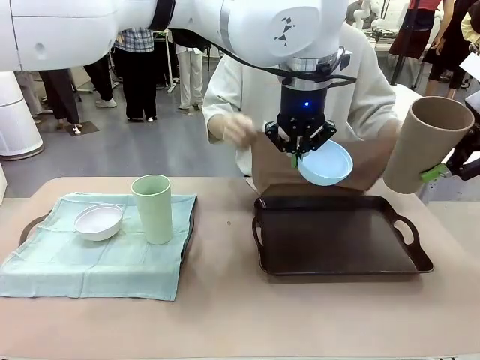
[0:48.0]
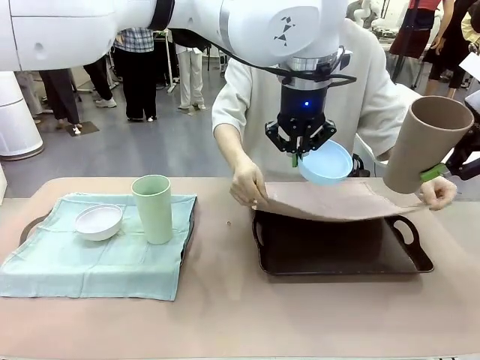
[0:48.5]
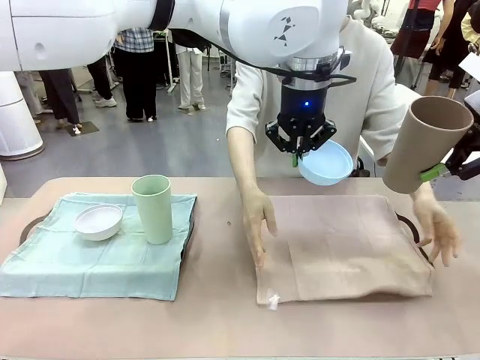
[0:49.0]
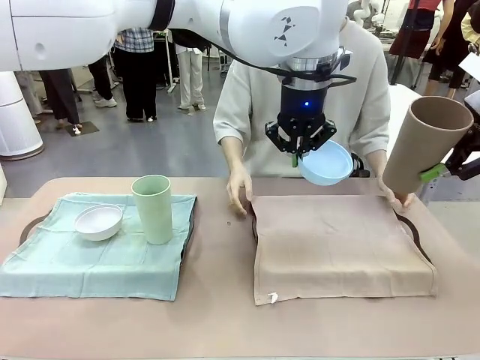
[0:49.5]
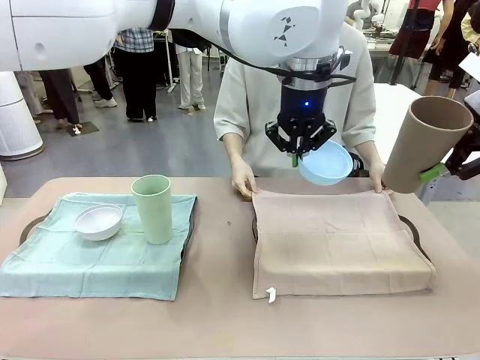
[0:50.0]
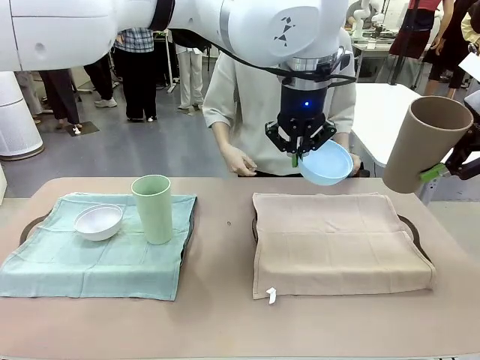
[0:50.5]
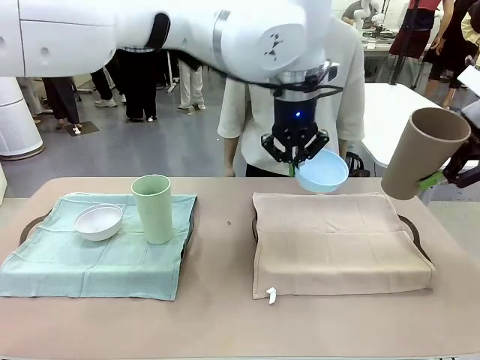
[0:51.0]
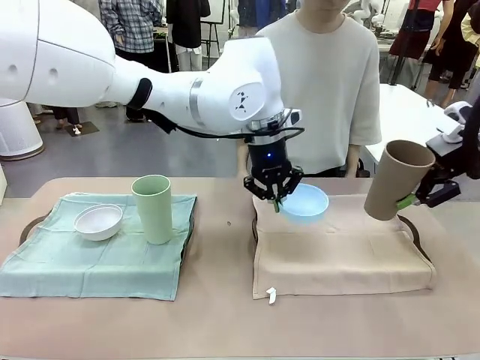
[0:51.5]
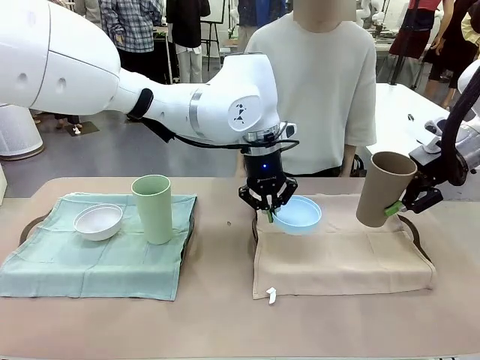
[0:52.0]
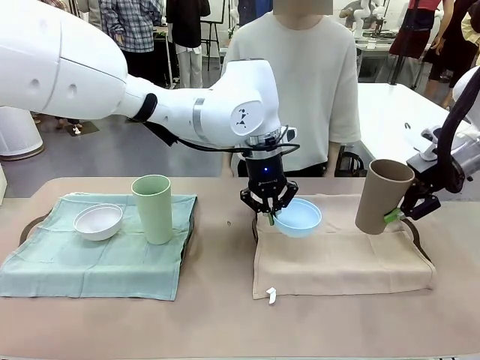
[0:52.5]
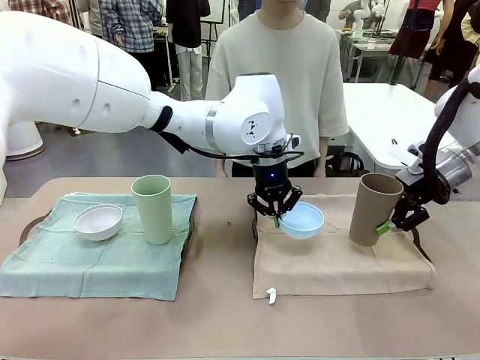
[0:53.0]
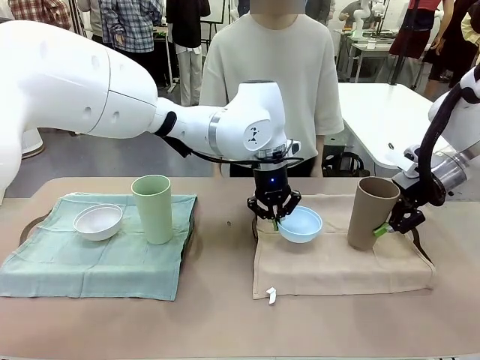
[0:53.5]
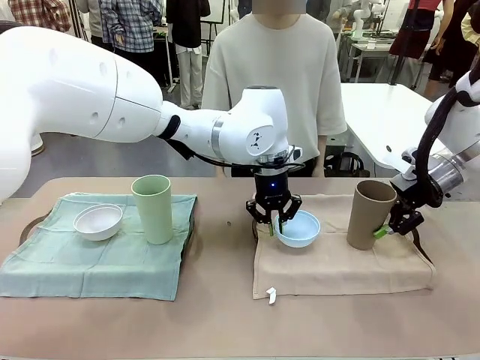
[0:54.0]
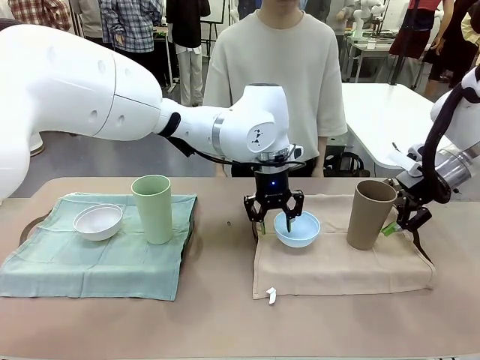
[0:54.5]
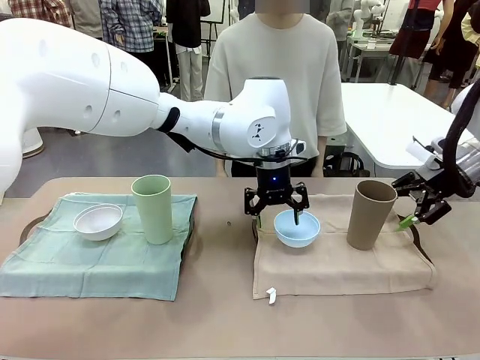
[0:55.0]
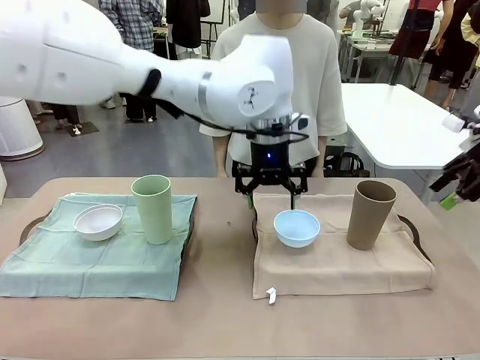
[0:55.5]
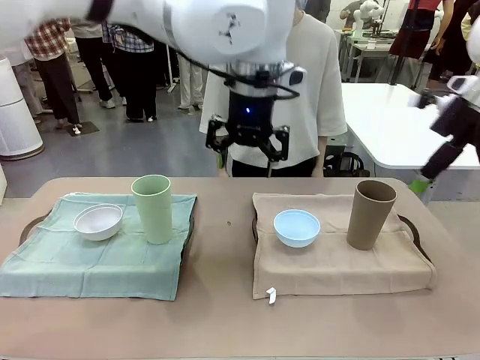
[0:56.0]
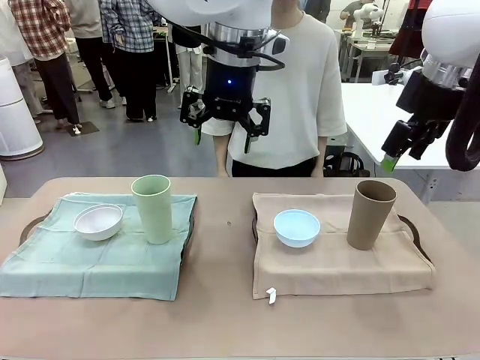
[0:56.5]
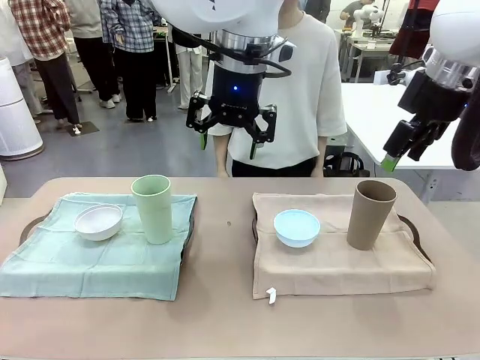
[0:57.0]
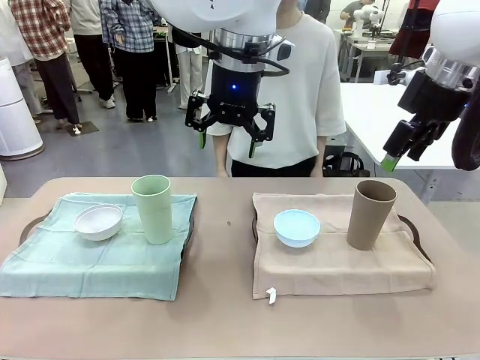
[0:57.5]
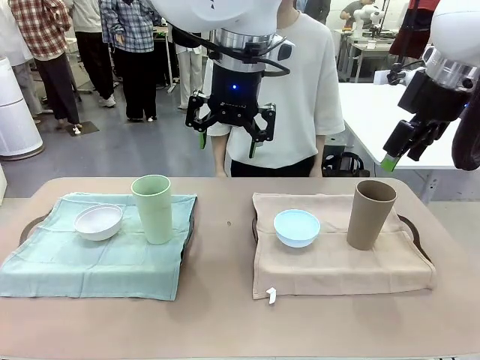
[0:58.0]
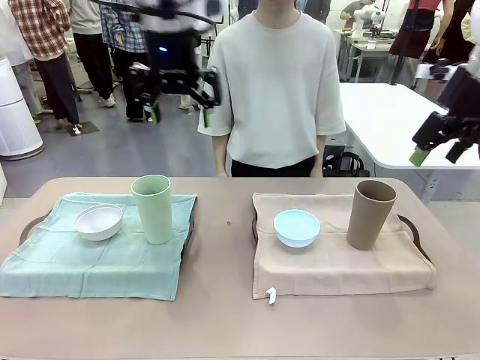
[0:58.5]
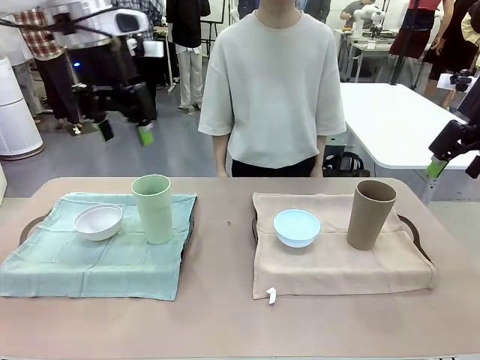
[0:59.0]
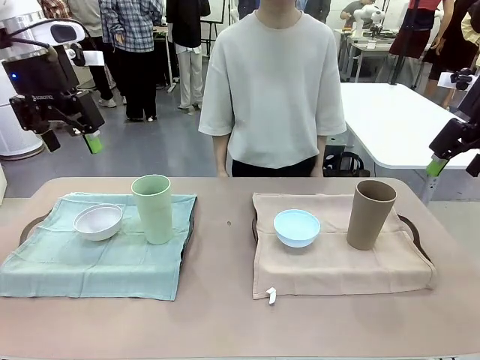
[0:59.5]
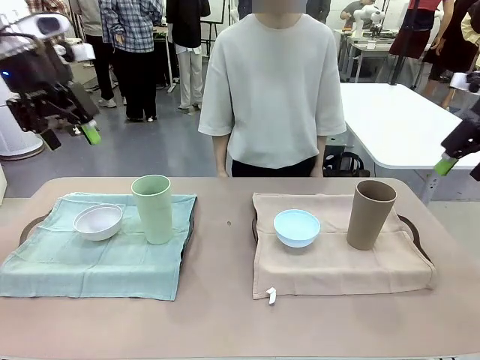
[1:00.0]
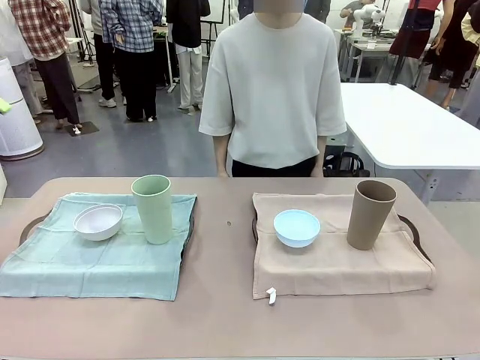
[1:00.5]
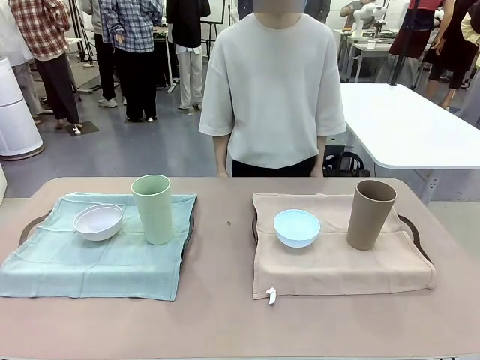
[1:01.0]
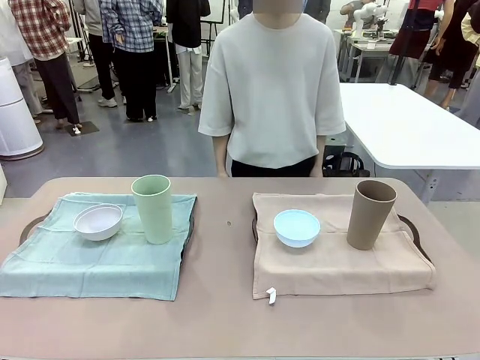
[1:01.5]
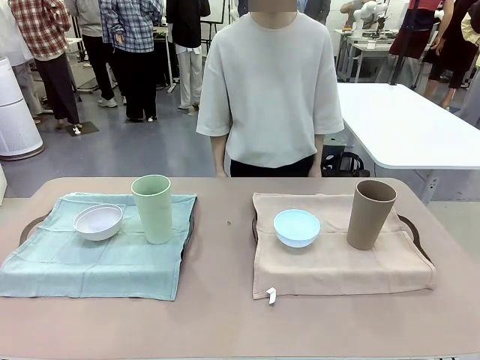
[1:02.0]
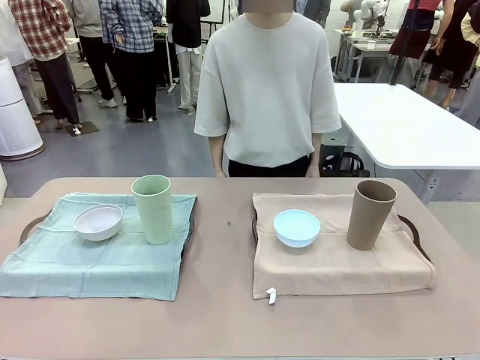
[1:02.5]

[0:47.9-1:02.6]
Robot: Place the Picnic Bowl and Reusable plastic cup back onto the Handle tray in front of the human's position.
Person: When the robot lifts the bowl and the cup, the human unfolds the napkin and lays the napkin flat on the tray.

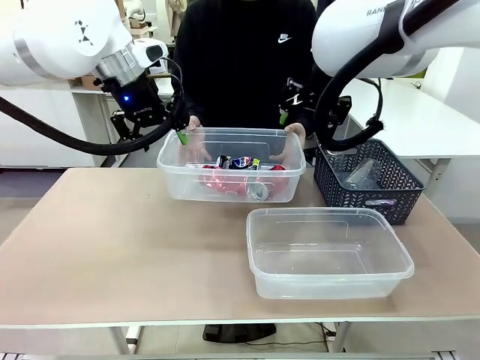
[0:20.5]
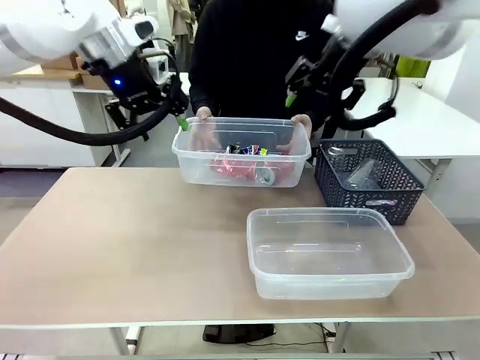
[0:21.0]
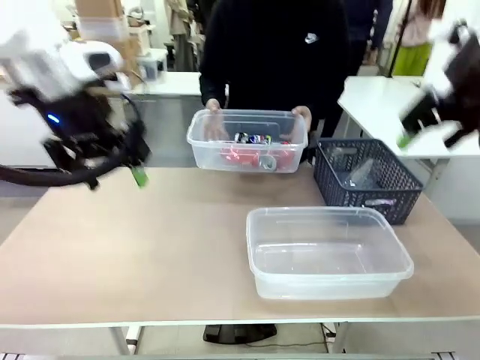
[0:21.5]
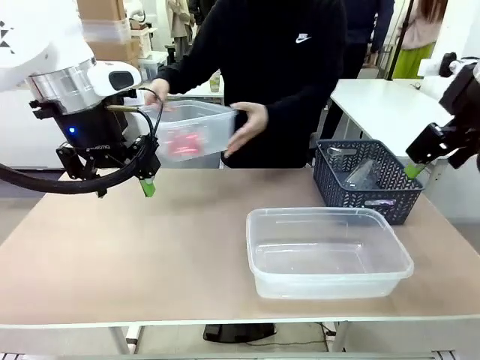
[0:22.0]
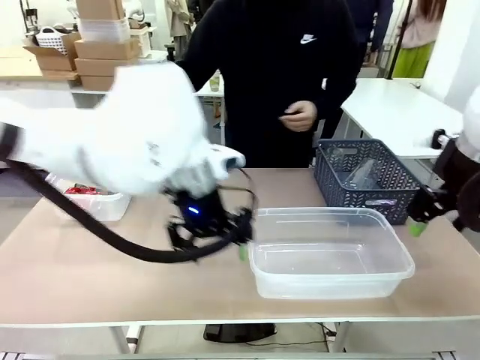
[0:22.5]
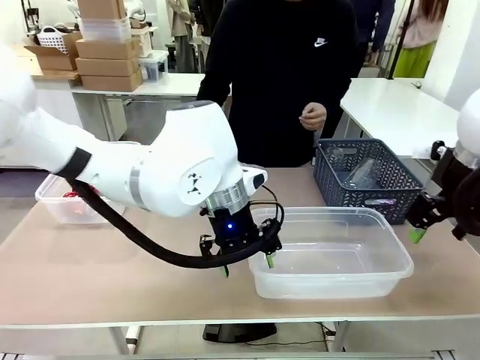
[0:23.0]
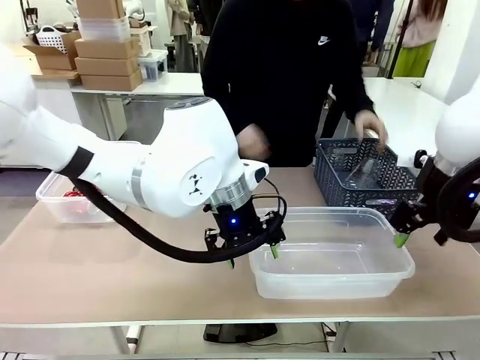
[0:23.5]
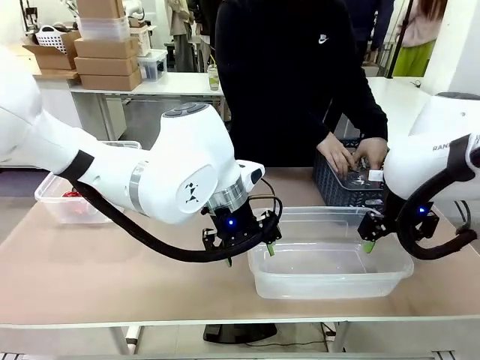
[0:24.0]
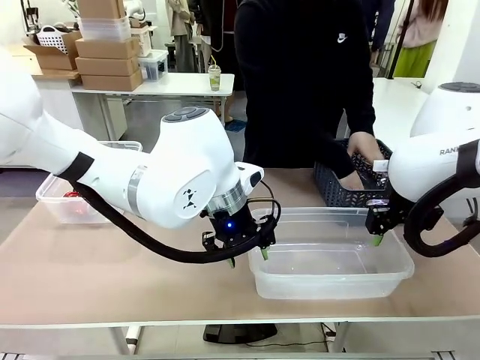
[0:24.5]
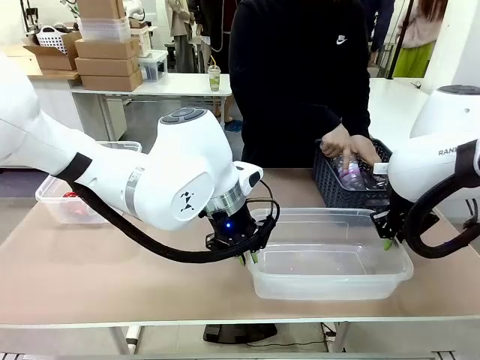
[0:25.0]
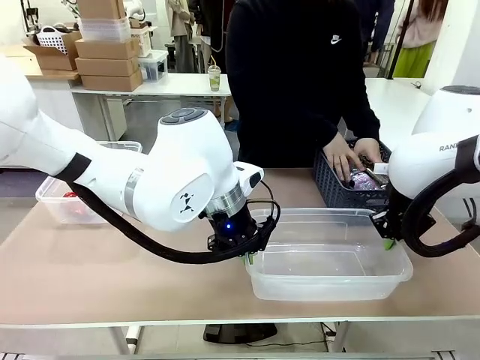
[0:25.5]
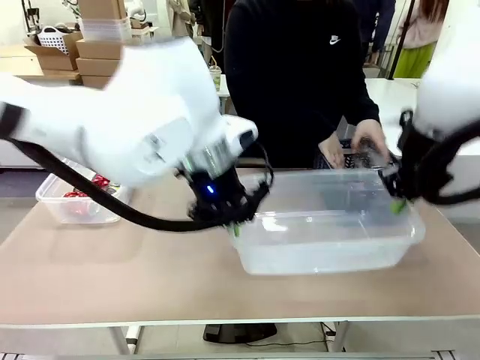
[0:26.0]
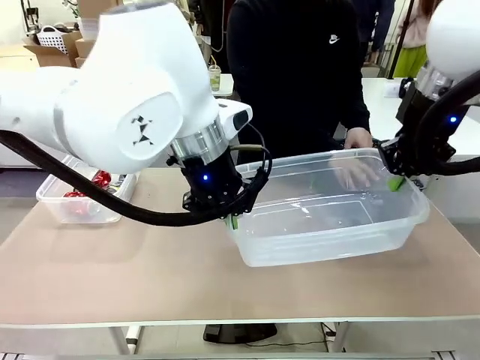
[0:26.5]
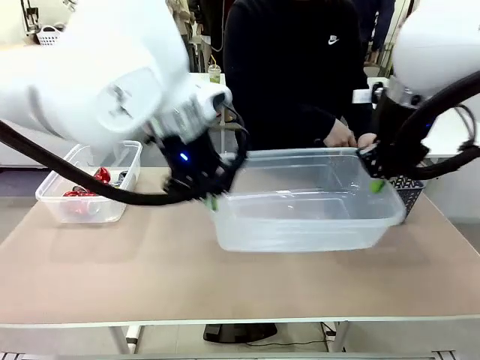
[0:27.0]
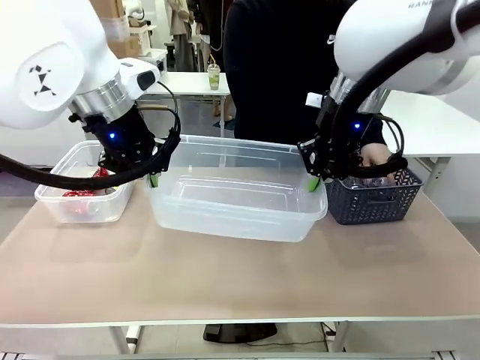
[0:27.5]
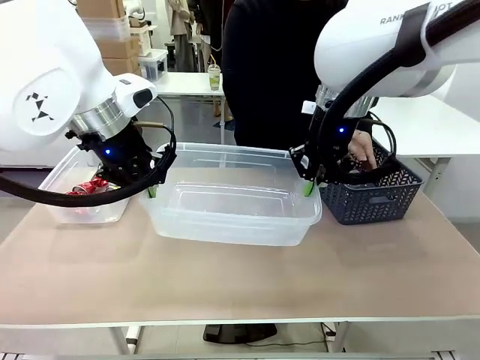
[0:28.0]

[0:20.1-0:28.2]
Robot: Pick up the Organizing box on the right side of the table and lift it.
Person: Place it at the edge of the bottom right area of the robot table. Pick up plastic waste one by one and place it into the organizing box lifted by the robot.

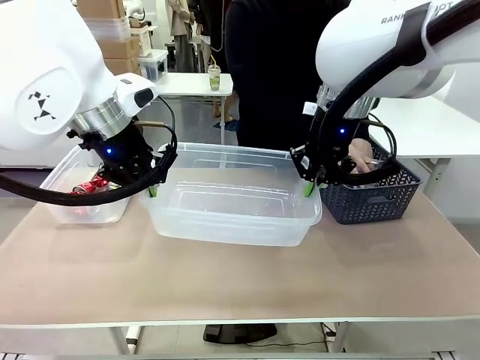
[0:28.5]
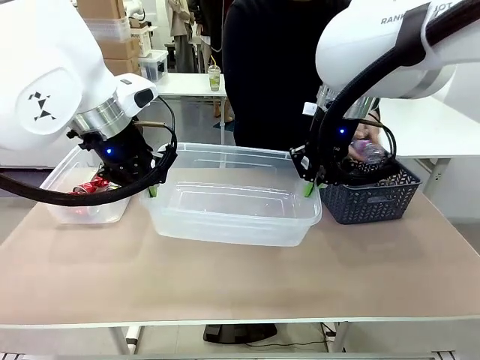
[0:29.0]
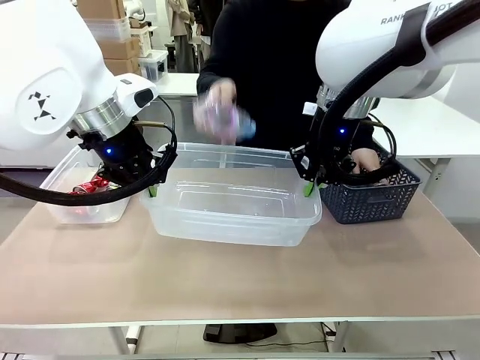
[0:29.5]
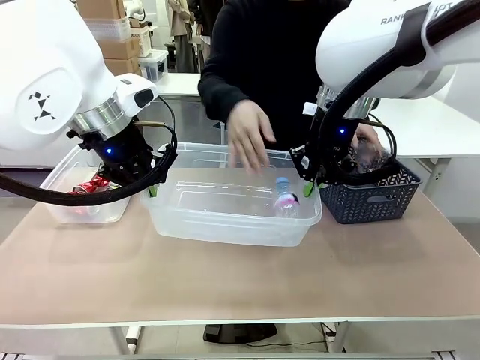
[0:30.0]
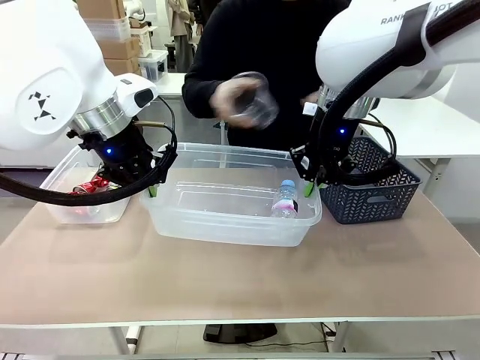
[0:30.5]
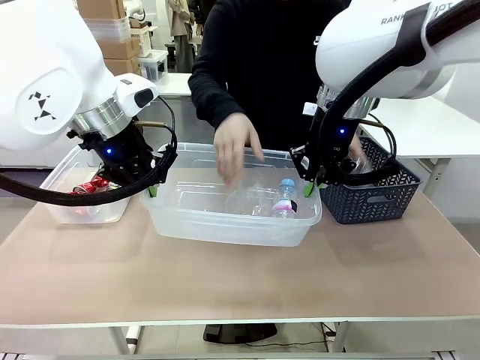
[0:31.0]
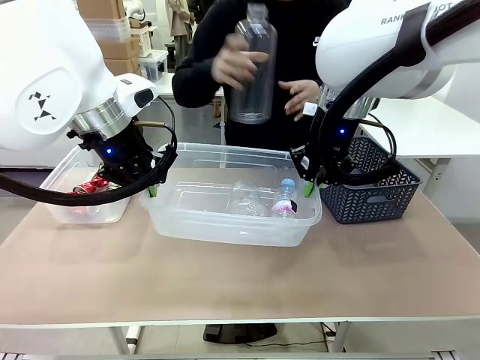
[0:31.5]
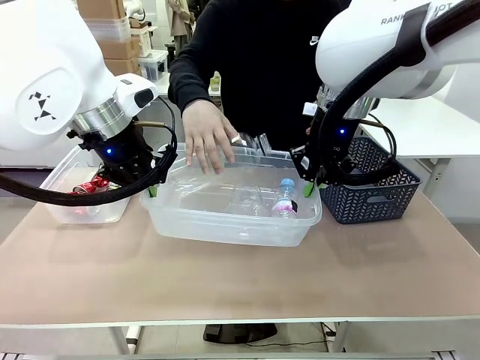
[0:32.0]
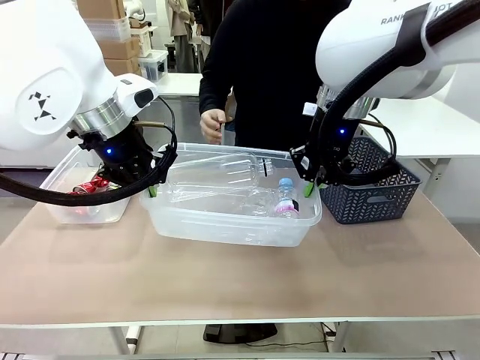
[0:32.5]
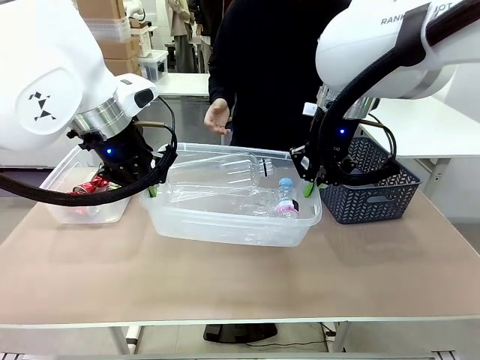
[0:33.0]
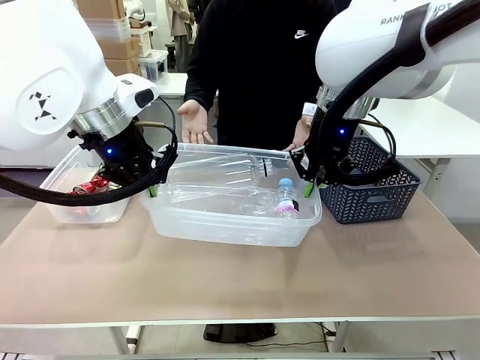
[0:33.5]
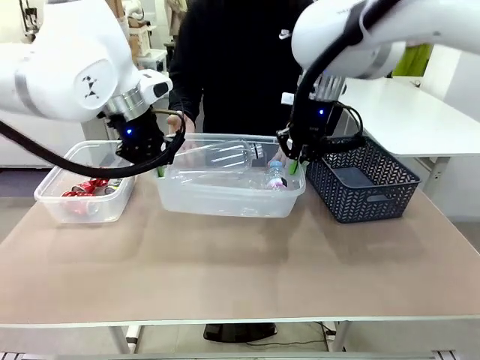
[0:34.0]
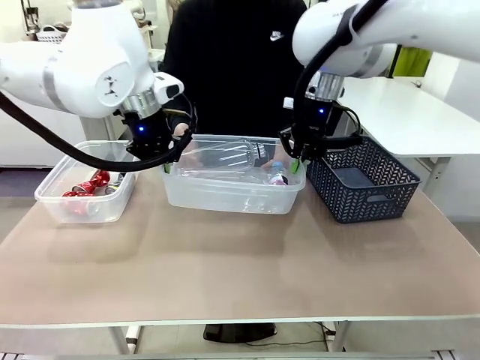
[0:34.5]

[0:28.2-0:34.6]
Robot: Offer the picked Organizing box to the human.
